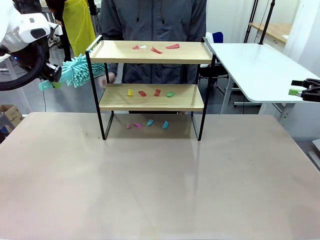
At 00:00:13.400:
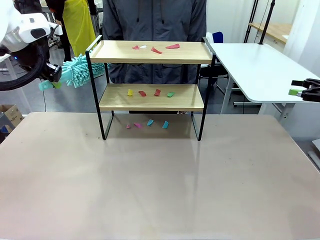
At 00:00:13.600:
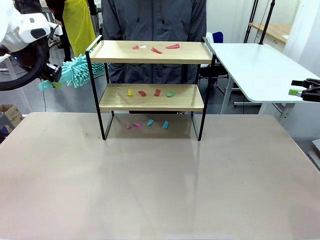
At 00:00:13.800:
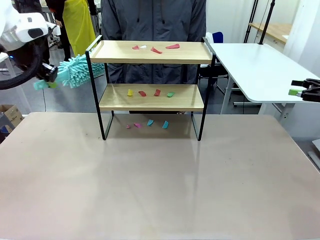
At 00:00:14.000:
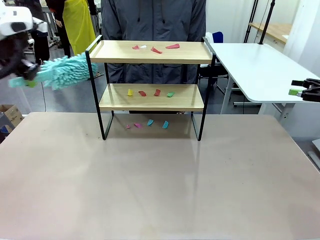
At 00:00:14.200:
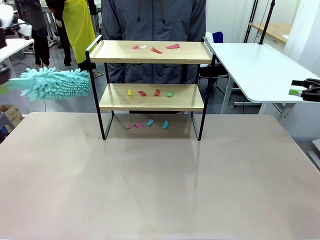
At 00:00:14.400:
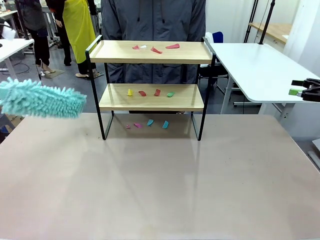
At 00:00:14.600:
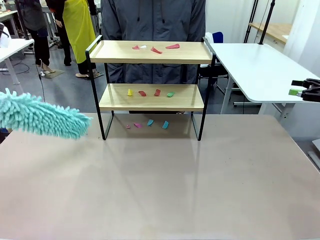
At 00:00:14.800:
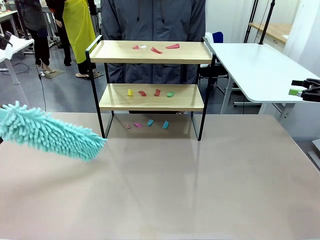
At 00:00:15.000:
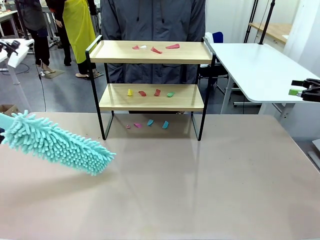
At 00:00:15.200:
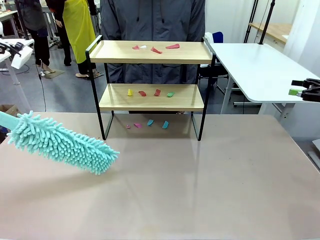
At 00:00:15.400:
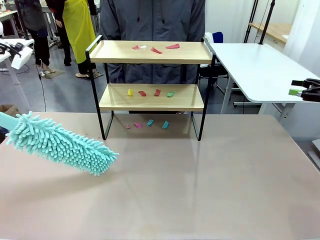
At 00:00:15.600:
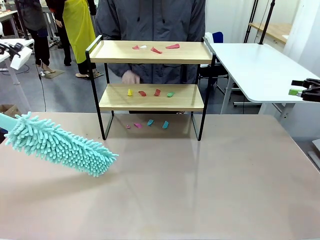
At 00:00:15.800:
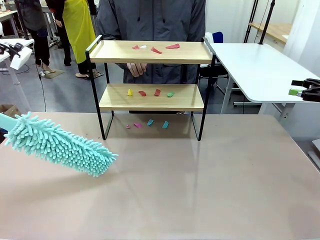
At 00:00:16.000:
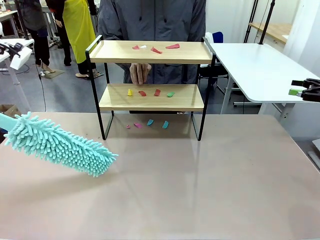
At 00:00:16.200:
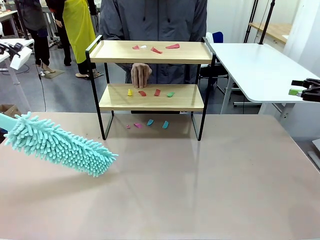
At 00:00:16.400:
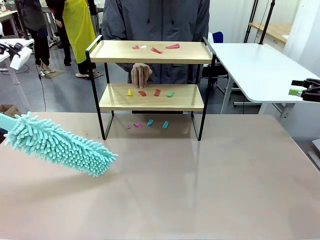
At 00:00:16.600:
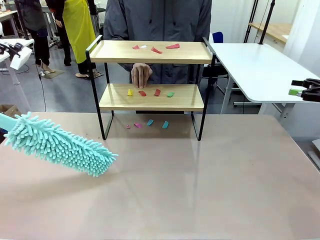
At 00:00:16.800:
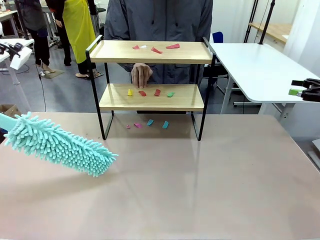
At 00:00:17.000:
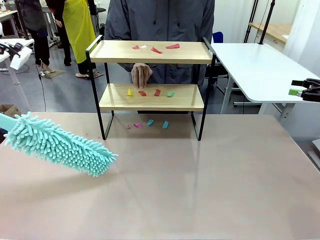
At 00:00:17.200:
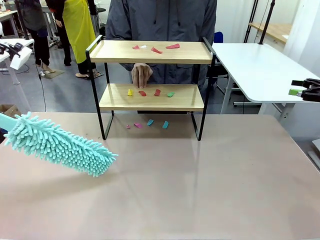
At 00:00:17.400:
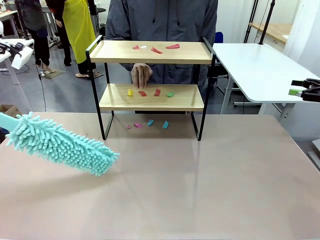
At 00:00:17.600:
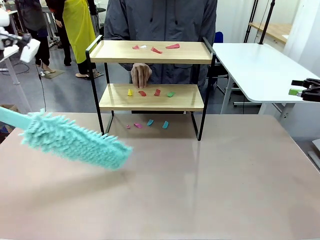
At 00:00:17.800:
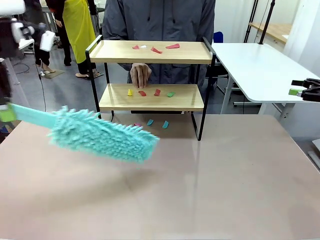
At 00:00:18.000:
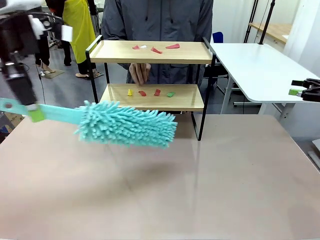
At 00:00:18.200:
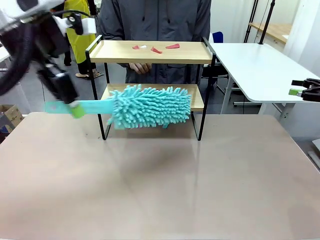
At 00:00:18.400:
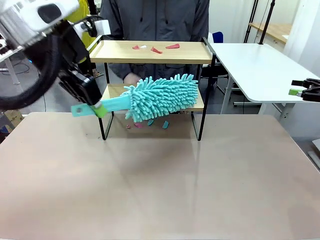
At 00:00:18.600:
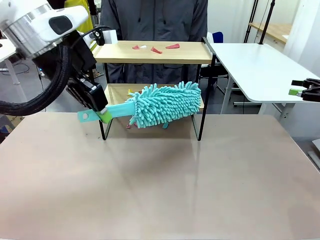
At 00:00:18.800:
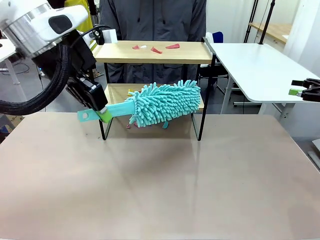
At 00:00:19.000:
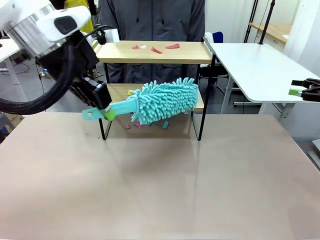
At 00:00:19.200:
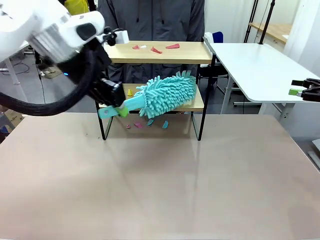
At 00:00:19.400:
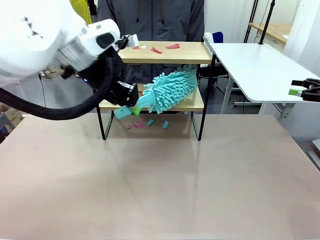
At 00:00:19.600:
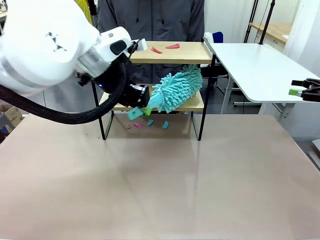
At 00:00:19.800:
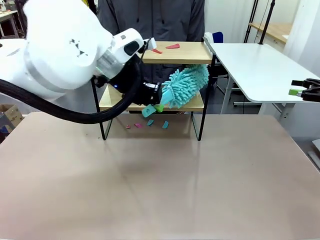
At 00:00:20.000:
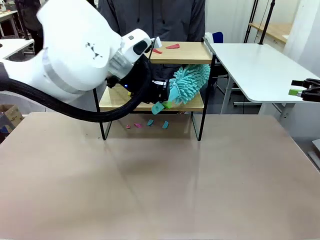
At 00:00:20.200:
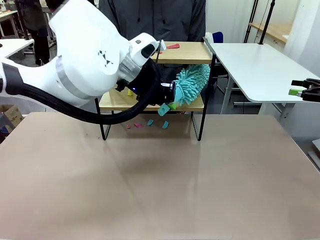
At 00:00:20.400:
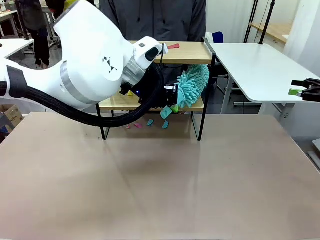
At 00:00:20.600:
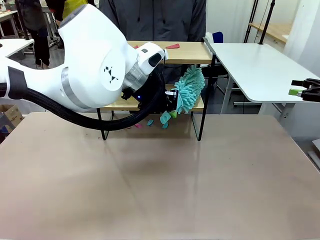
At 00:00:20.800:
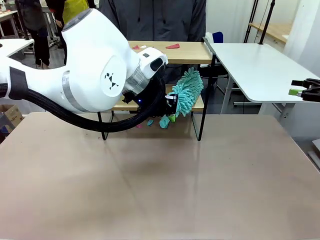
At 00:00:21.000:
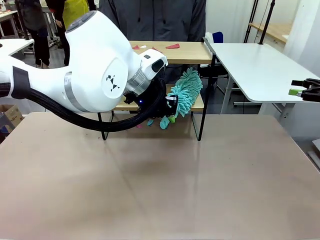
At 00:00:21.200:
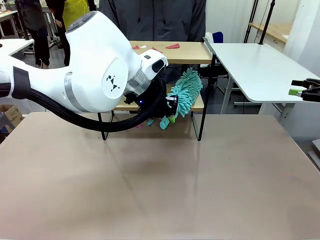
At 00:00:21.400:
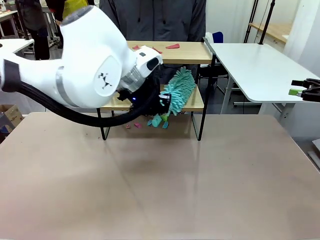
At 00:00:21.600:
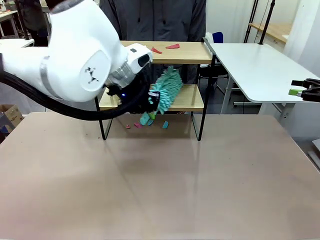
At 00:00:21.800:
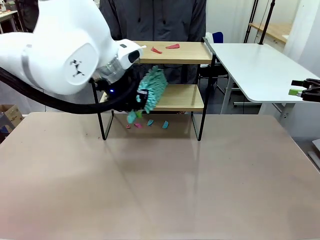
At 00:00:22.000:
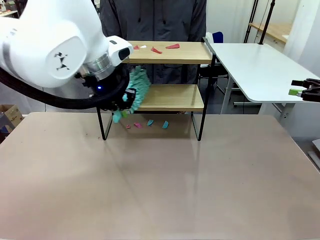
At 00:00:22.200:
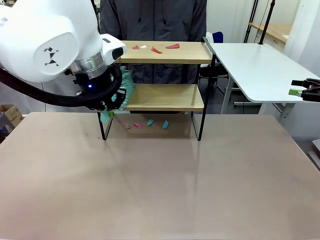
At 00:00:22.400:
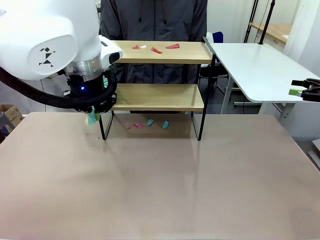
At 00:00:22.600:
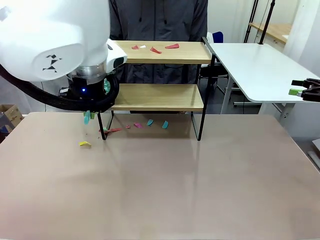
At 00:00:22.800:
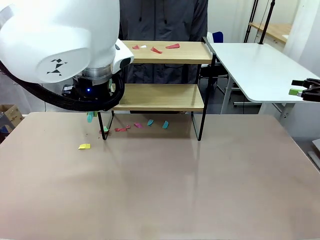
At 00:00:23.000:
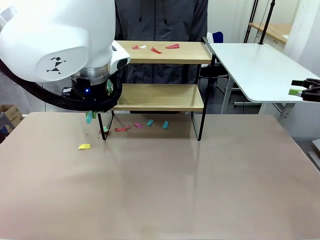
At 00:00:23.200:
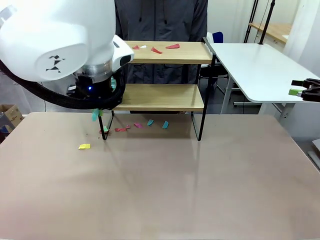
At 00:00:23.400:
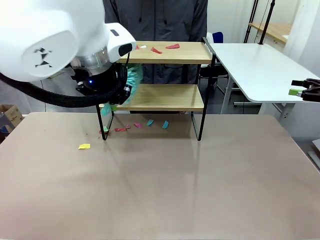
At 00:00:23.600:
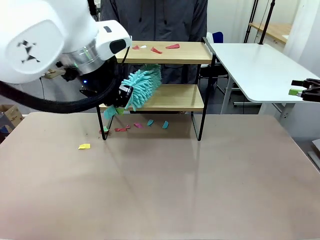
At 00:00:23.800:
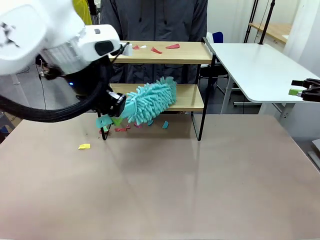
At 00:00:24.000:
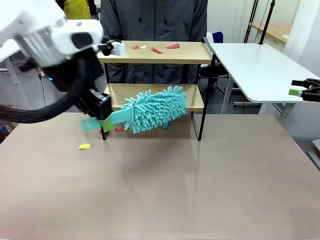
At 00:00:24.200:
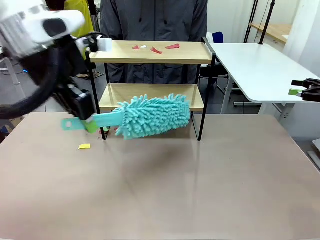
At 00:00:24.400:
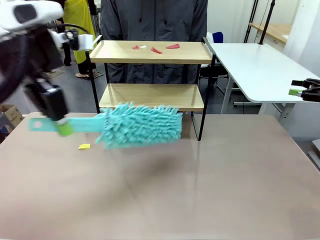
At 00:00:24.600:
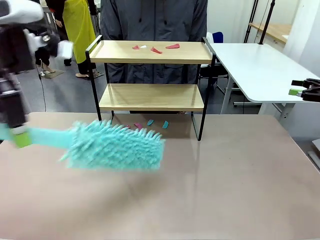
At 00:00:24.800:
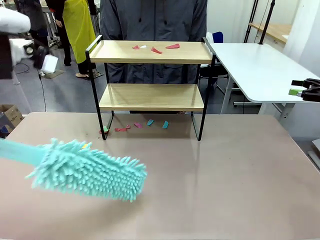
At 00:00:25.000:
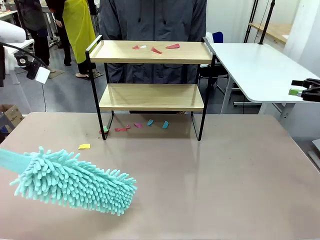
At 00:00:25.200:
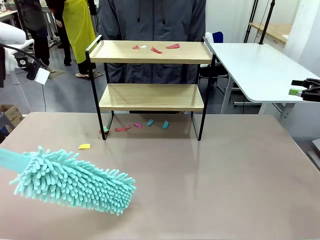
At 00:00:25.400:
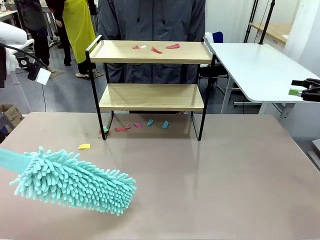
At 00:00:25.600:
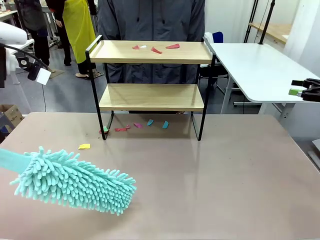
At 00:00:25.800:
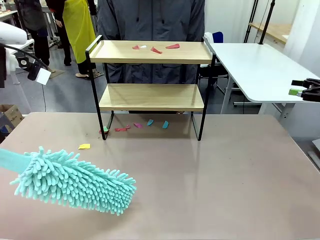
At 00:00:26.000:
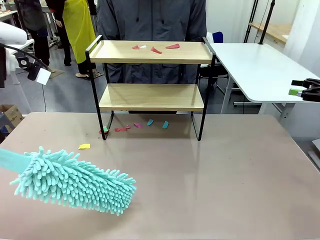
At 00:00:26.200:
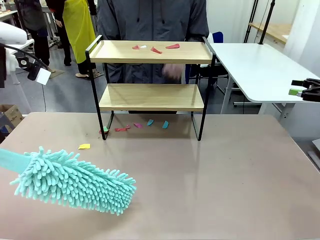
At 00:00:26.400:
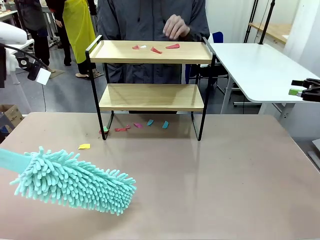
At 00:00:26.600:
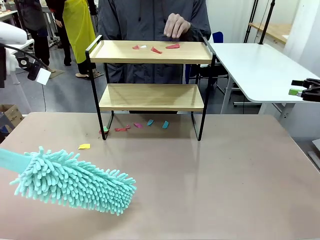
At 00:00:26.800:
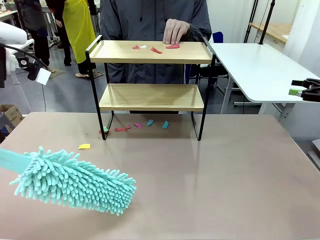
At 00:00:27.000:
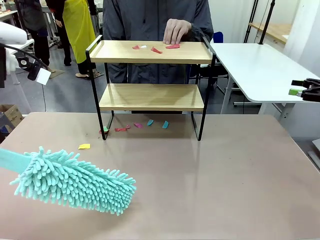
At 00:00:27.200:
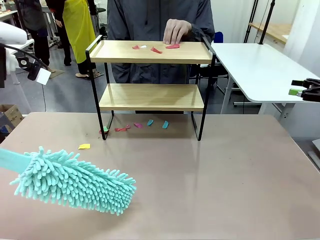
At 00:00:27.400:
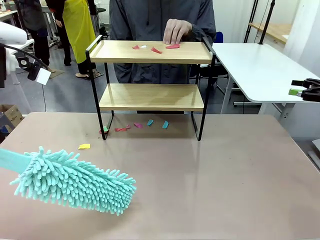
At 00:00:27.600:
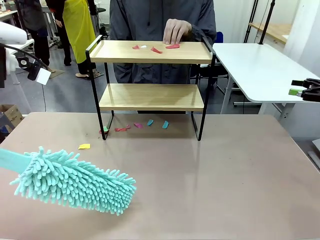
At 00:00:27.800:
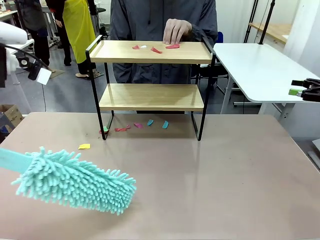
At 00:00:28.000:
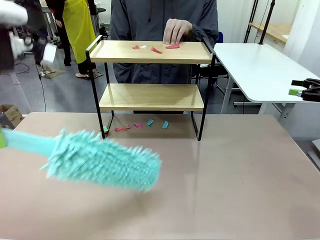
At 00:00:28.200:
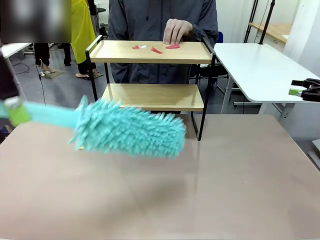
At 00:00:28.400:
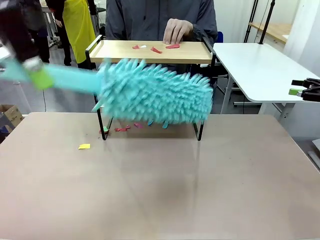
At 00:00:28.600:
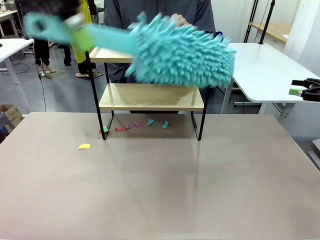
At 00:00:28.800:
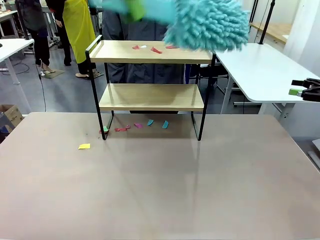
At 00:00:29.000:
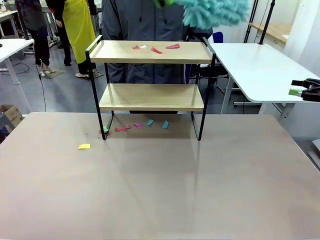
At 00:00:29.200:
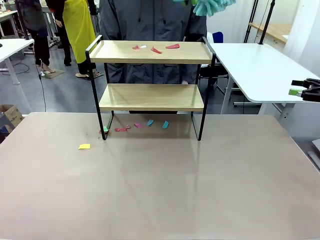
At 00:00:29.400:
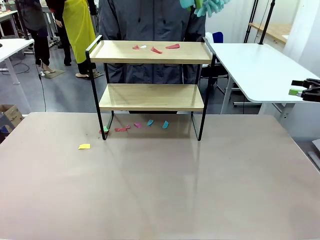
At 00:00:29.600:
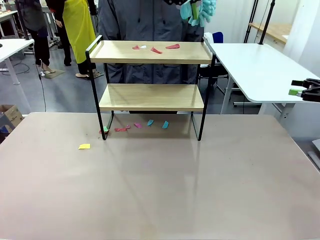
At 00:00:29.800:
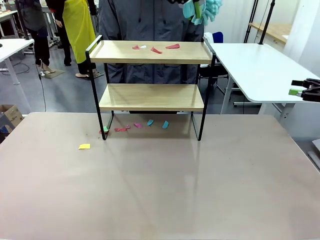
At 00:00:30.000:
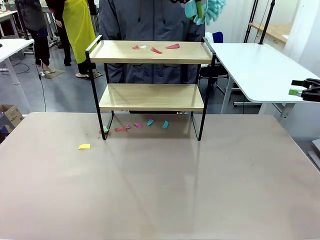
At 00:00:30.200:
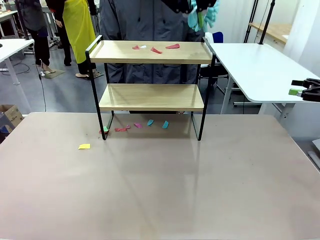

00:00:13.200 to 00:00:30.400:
Task: Clean the shelf.
Robot: Clean the specific section of the Shelf indicated by the human with the Duster.
Person: Point a random section of the Shelf.

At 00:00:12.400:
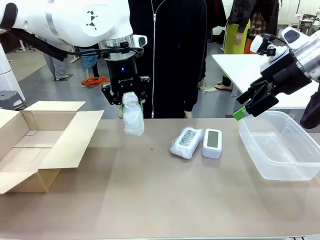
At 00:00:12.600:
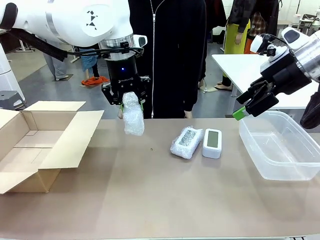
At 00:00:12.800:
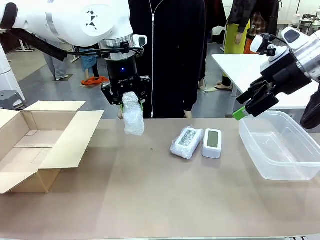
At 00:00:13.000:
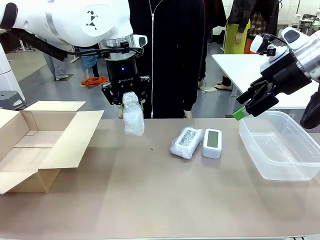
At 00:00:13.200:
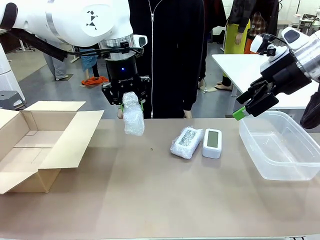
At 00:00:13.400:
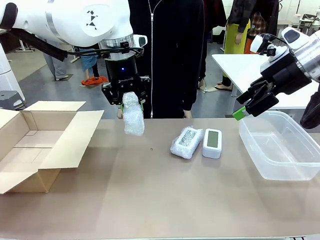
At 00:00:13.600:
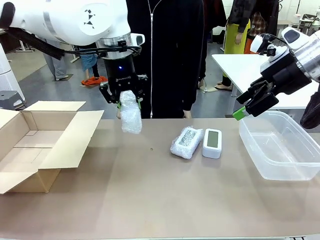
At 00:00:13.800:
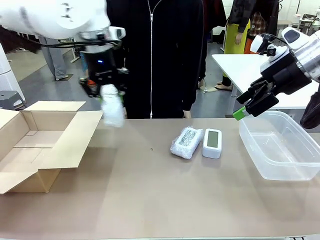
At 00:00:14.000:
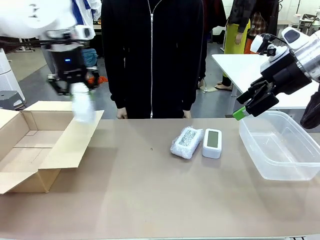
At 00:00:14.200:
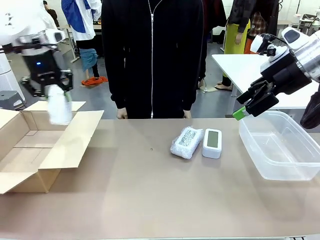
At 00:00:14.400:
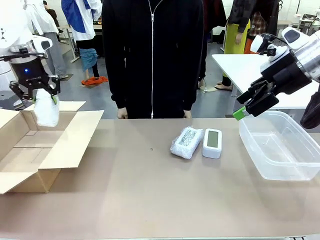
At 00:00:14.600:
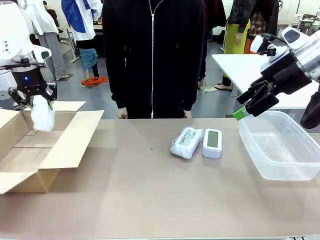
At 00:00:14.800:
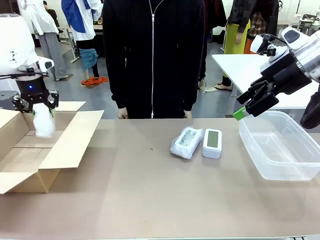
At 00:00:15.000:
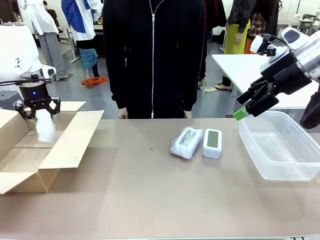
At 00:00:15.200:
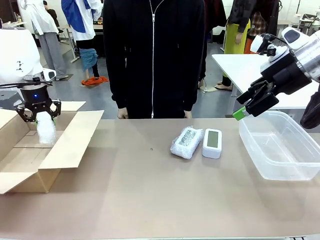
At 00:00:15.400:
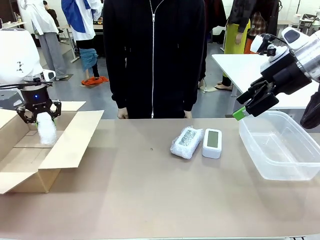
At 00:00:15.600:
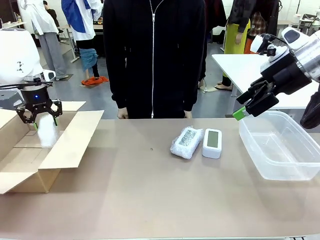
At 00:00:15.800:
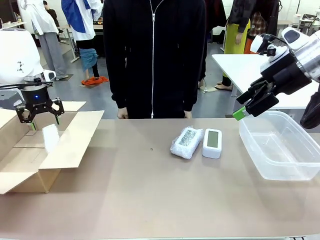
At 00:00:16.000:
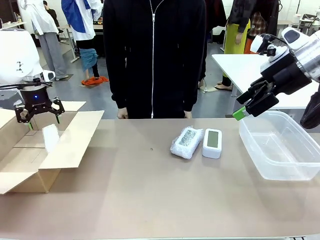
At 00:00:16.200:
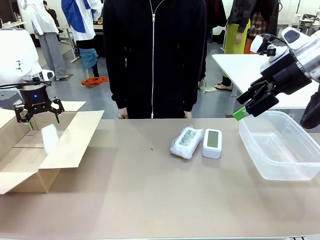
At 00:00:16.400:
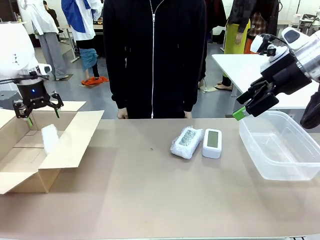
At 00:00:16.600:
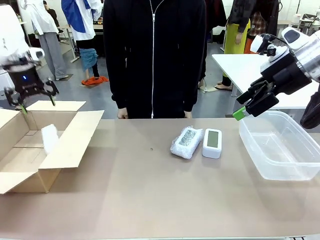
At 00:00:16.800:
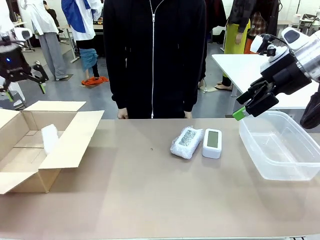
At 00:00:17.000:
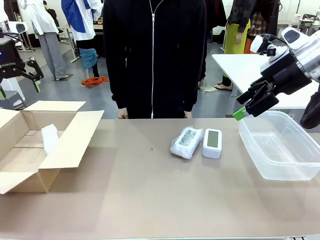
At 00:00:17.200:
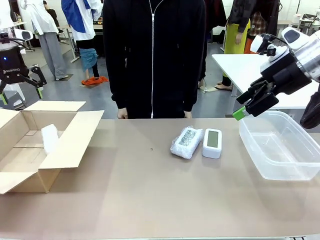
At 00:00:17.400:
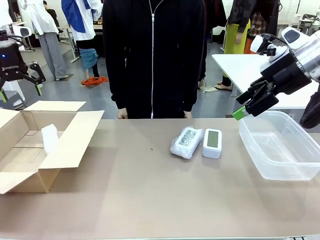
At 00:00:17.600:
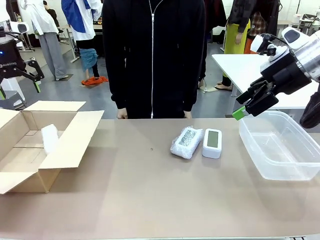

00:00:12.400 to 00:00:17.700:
Task: Separate and place wrapped and unwrapped clocks.
Robot: If the picked Digital clock is wrapped, place it in the Package Box ; if not, place it in the Organizing box.
